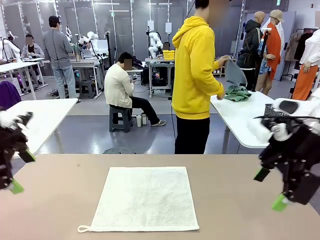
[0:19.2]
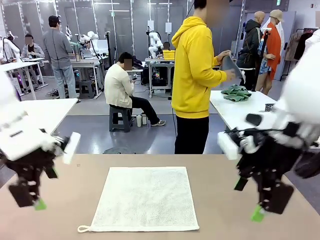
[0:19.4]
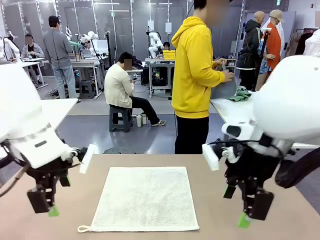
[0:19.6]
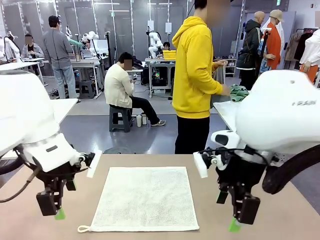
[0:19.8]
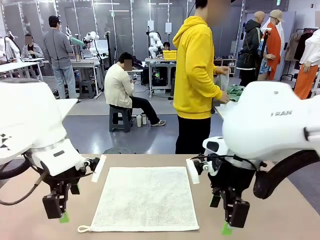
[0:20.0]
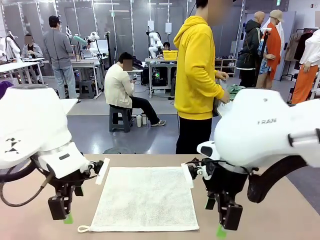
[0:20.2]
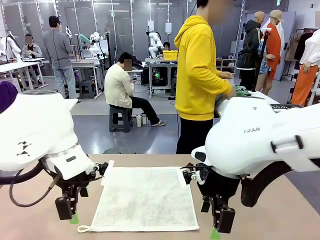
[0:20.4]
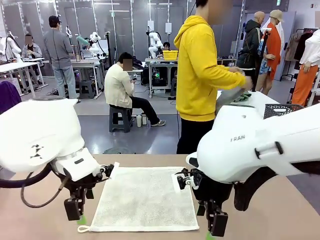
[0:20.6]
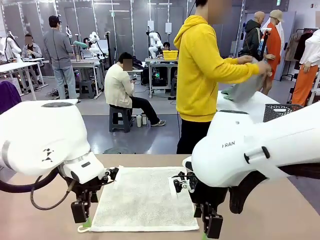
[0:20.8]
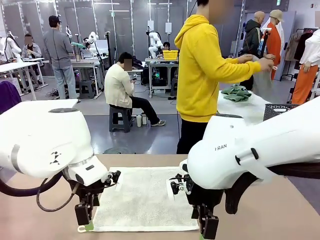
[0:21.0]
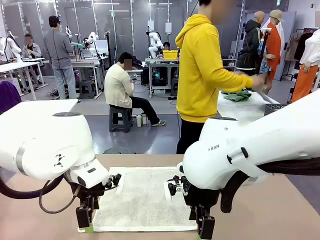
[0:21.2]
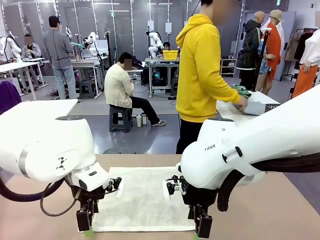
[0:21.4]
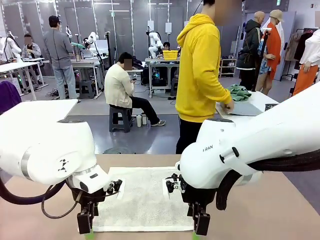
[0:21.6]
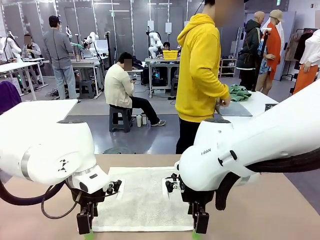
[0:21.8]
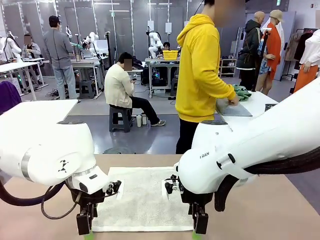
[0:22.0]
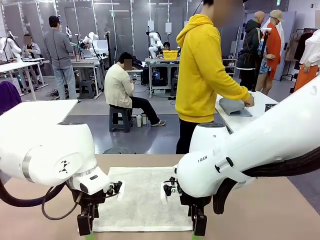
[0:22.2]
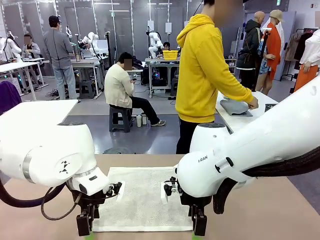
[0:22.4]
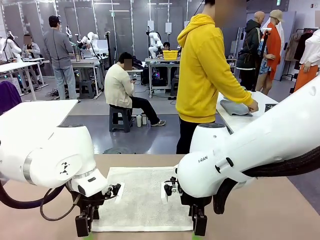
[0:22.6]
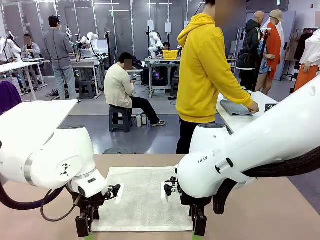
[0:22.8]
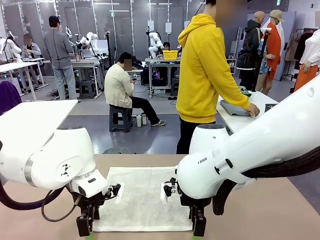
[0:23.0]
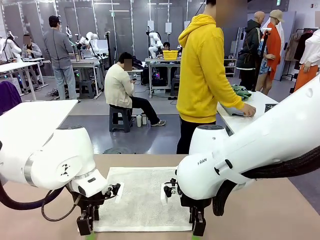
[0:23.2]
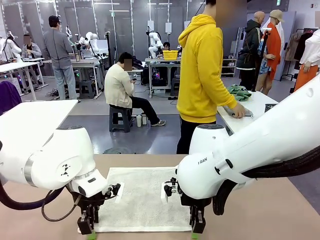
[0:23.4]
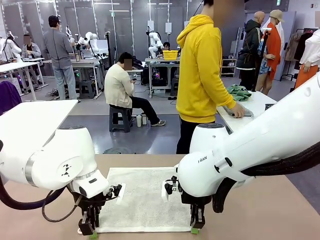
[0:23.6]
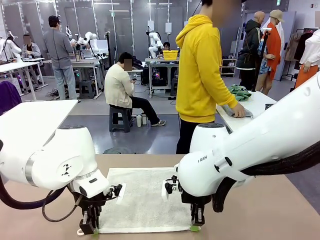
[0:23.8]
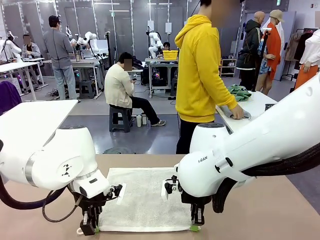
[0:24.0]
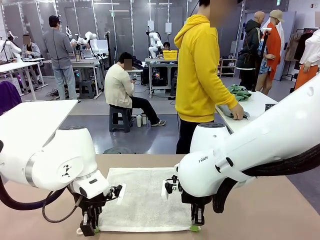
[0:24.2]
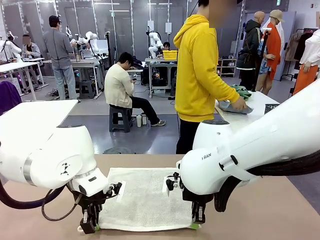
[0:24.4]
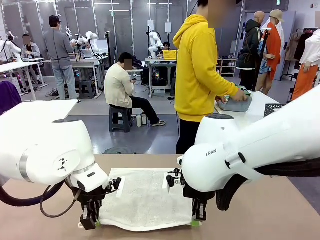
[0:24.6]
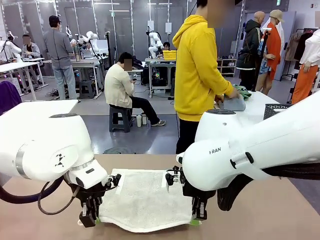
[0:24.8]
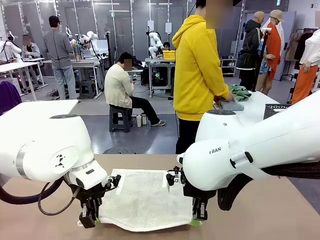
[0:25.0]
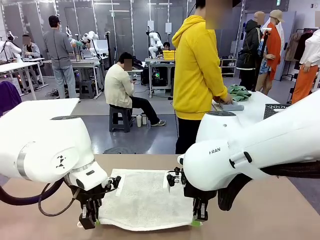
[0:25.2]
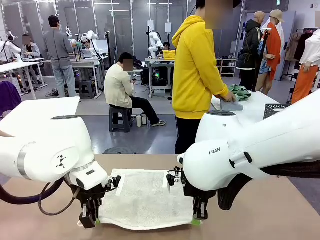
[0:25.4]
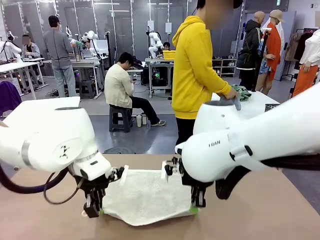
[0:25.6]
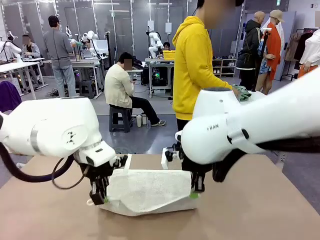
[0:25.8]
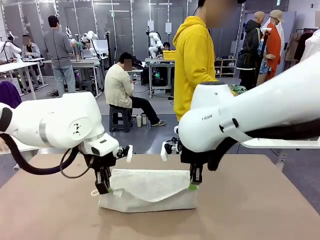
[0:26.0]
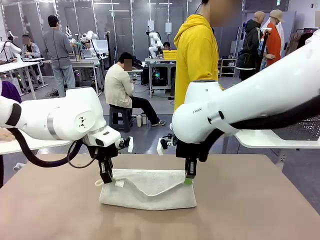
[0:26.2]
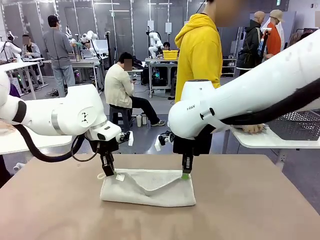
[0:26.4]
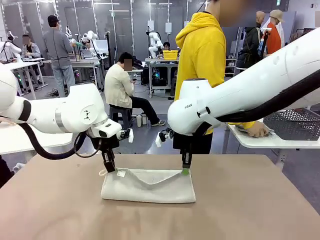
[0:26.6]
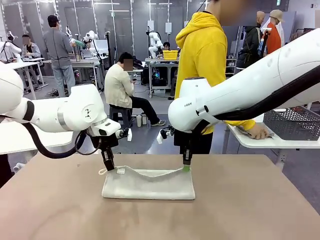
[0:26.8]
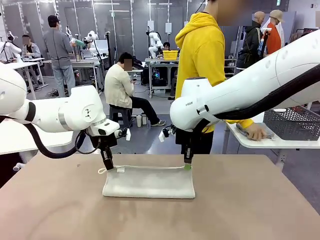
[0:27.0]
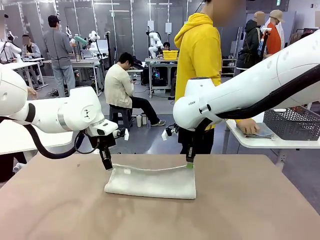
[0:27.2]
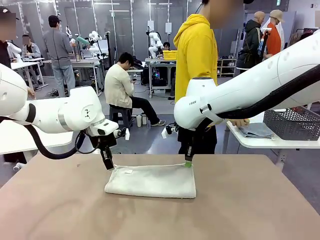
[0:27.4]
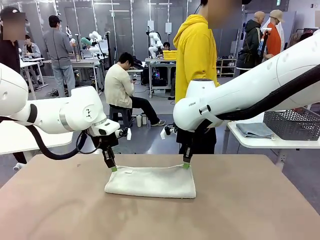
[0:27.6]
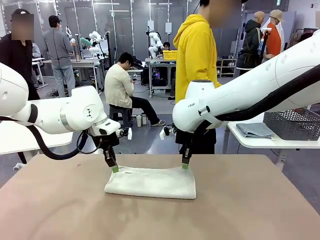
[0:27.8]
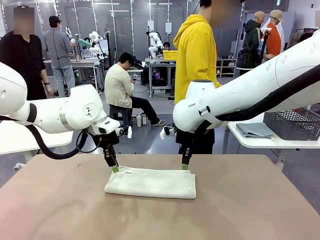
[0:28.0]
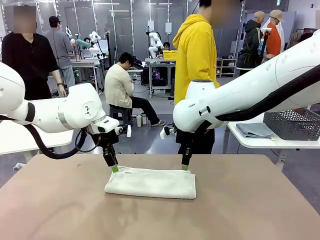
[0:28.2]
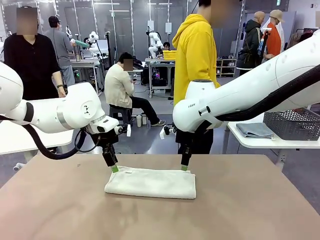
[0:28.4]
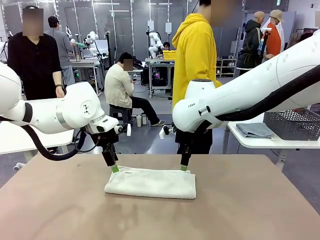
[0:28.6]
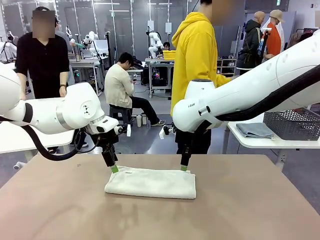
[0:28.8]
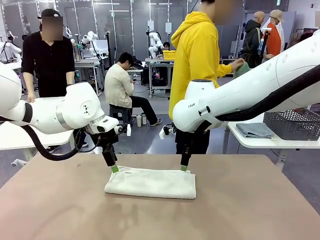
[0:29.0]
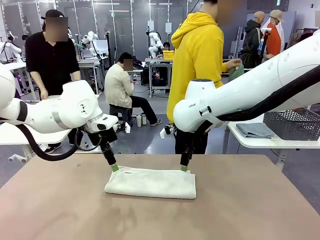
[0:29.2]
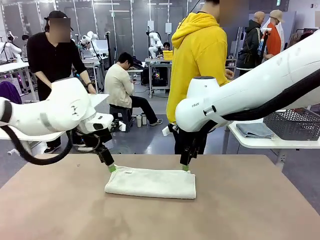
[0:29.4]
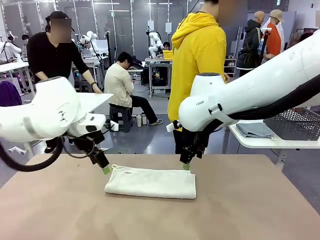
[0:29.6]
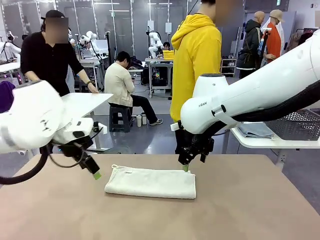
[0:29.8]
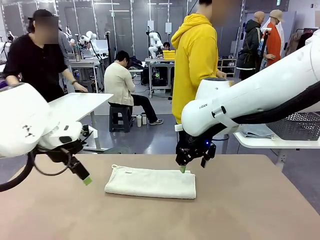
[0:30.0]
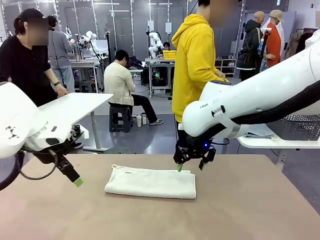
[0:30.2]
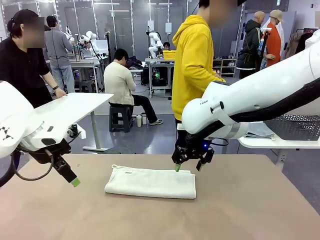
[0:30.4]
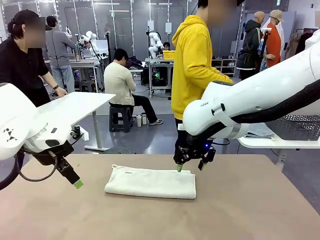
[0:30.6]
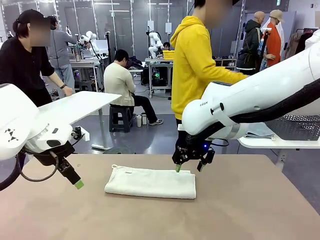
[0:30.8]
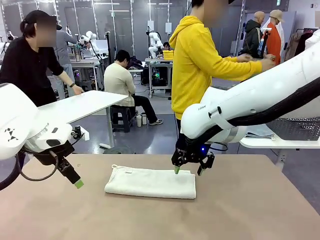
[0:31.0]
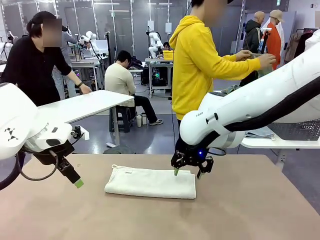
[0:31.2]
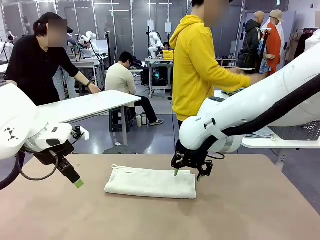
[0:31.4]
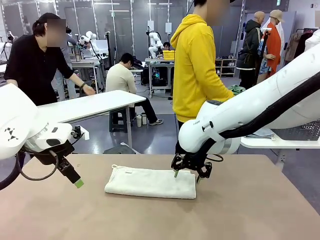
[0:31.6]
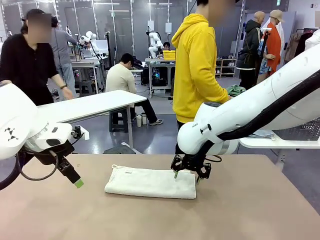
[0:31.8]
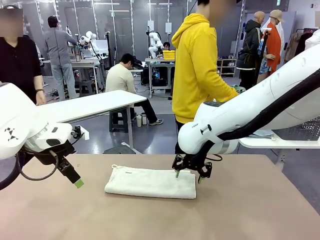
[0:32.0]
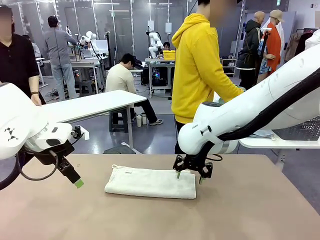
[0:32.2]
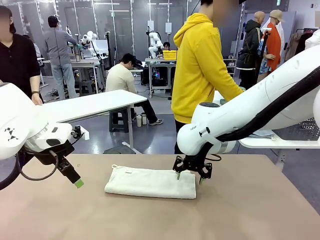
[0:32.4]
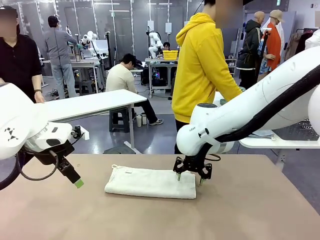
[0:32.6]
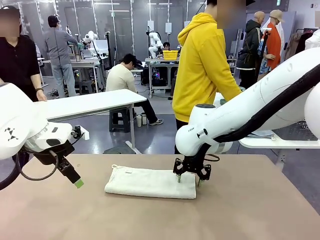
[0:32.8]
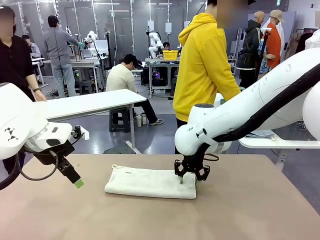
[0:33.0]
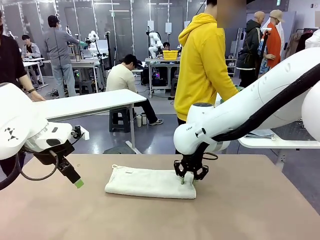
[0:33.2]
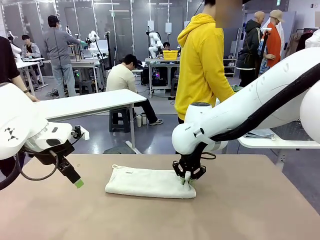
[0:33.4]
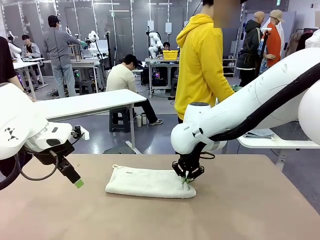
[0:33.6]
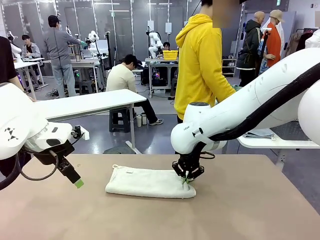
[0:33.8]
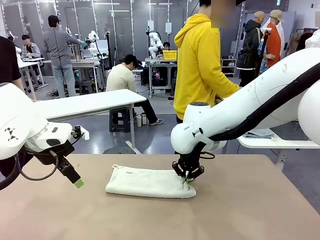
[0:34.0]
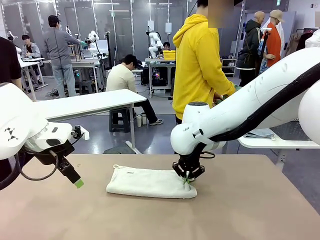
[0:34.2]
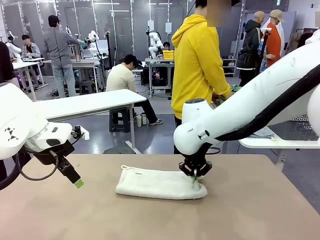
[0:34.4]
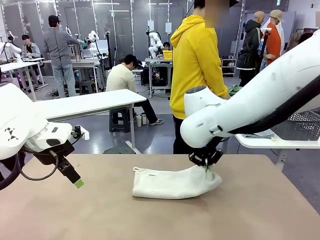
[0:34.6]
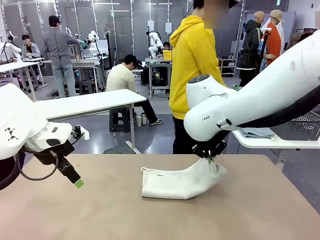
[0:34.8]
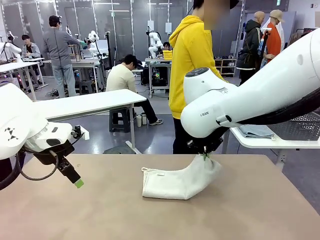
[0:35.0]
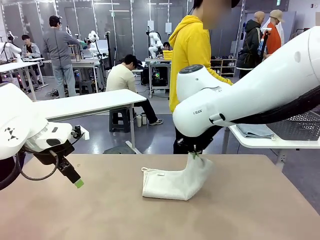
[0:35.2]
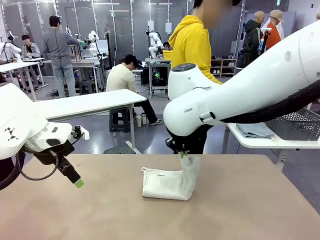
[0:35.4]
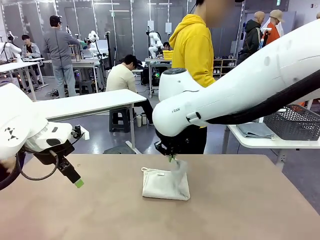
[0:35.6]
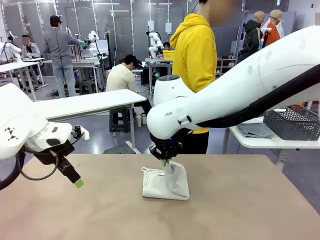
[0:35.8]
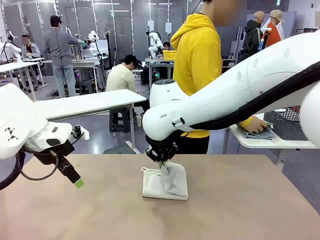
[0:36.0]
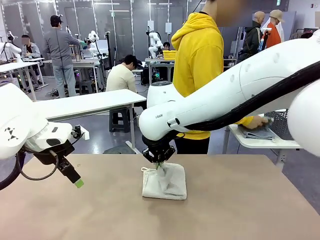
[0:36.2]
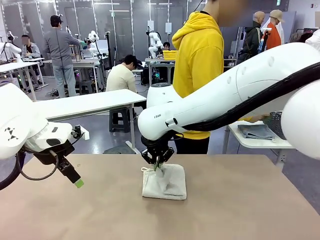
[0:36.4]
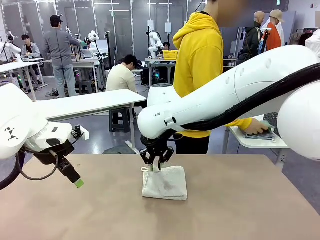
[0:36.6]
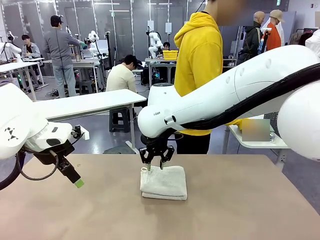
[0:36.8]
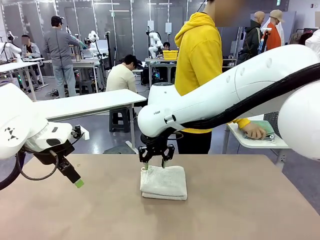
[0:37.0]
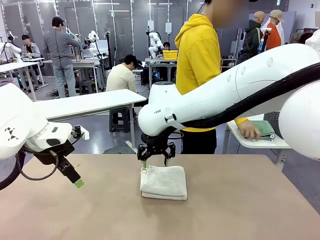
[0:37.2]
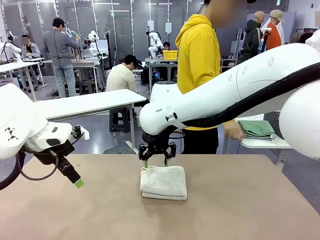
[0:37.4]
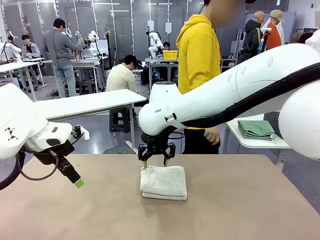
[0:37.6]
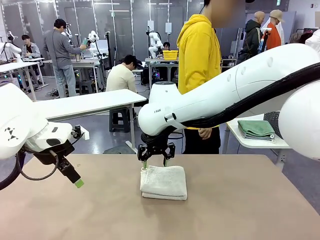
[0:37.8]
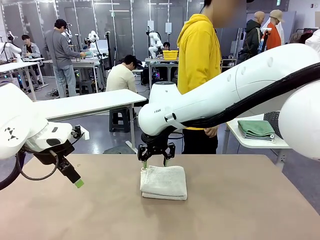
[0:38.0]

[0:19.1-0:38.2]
Task: Fold the towels and place them in the basket.
Robot: When a person lays out a Towel with hook on the table, fold it in half twice.
Person: Pick up one towel from the left side of the human table, fold it in half twice, and place it on the right side of the table. Pick up one towel from the left side of the human table, fold it in half twice, and stack it on the right side of the table.
